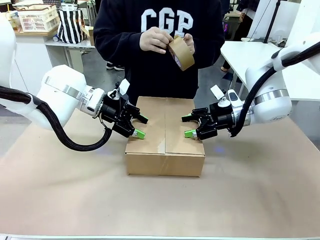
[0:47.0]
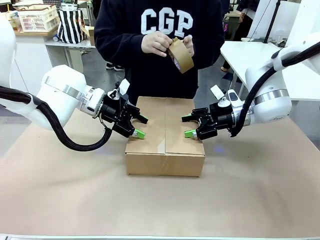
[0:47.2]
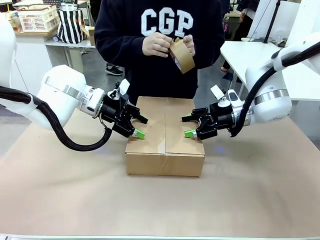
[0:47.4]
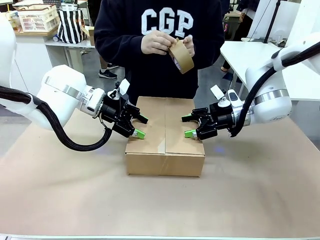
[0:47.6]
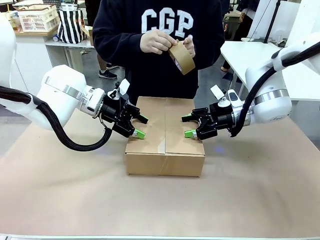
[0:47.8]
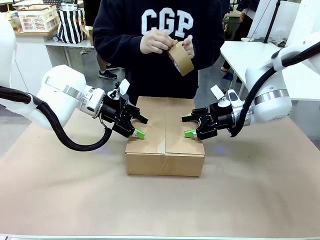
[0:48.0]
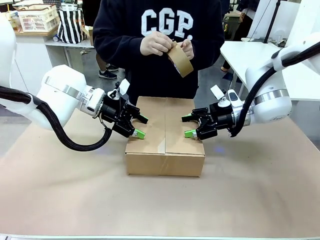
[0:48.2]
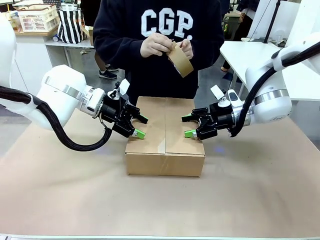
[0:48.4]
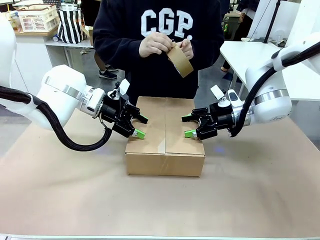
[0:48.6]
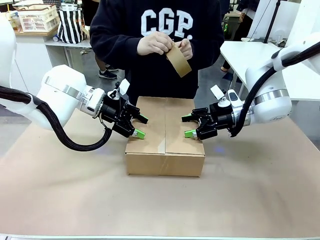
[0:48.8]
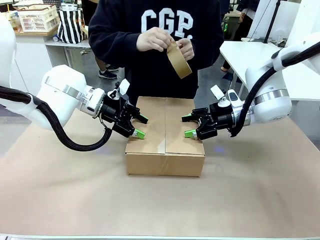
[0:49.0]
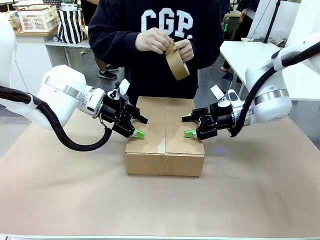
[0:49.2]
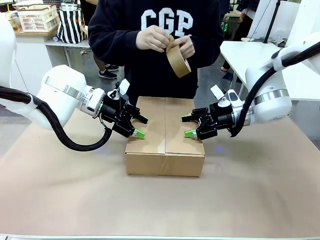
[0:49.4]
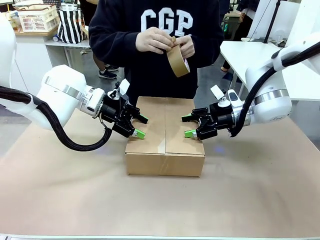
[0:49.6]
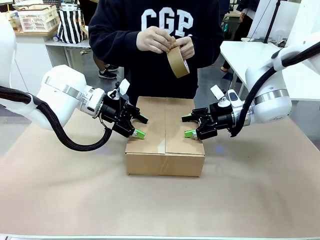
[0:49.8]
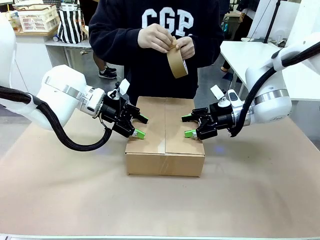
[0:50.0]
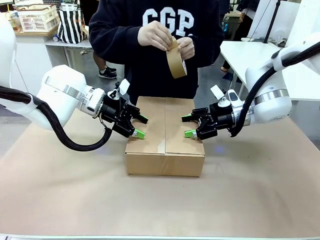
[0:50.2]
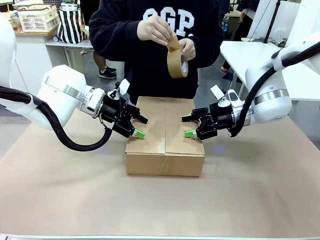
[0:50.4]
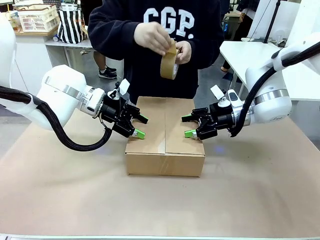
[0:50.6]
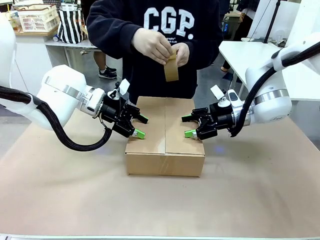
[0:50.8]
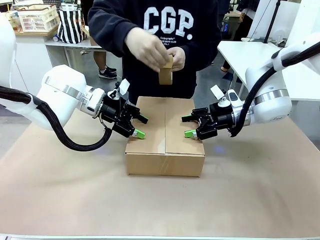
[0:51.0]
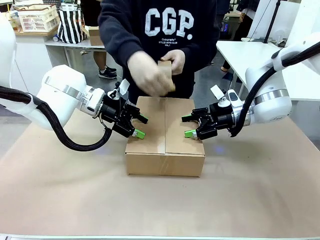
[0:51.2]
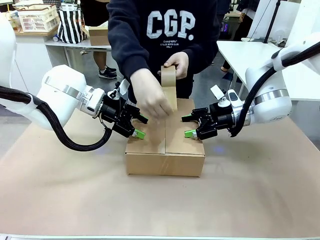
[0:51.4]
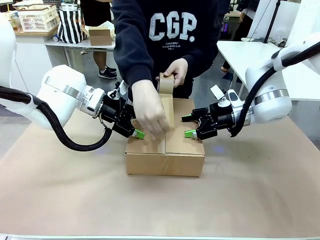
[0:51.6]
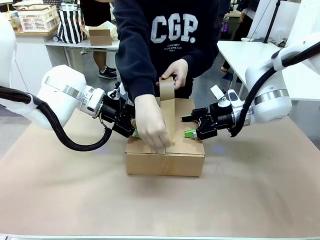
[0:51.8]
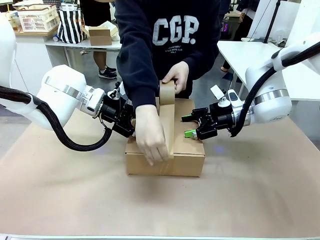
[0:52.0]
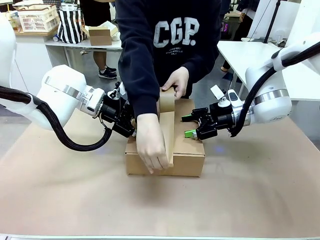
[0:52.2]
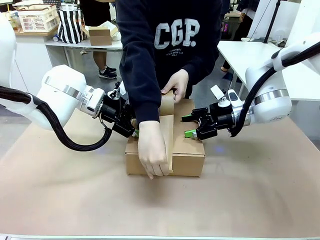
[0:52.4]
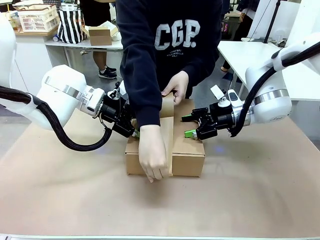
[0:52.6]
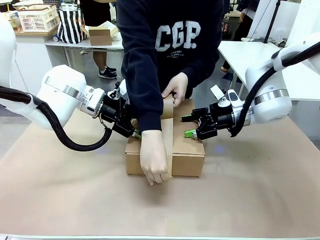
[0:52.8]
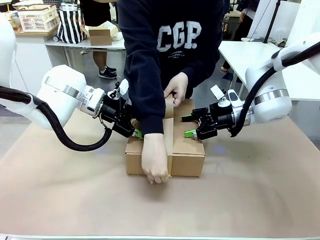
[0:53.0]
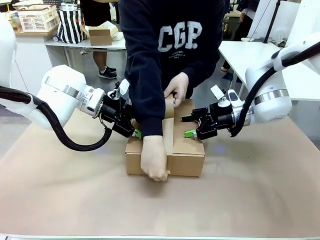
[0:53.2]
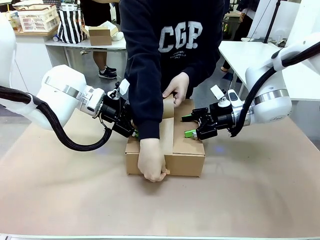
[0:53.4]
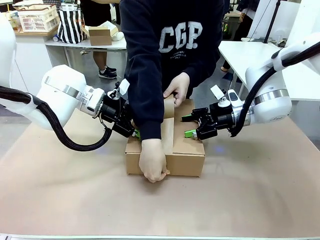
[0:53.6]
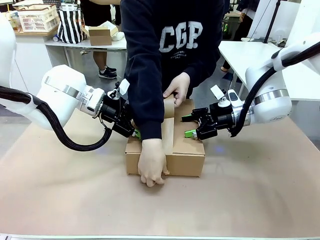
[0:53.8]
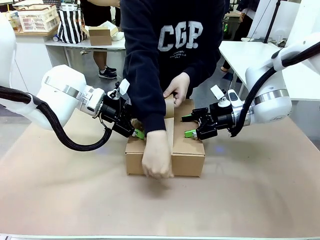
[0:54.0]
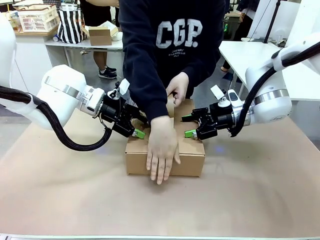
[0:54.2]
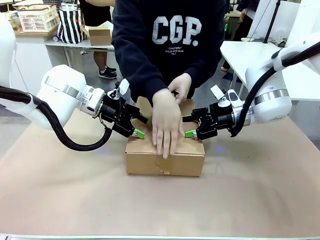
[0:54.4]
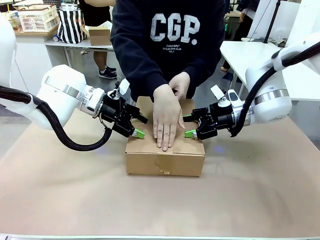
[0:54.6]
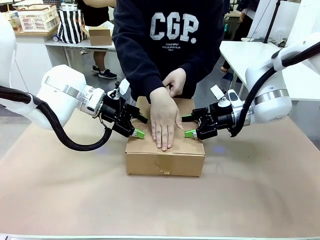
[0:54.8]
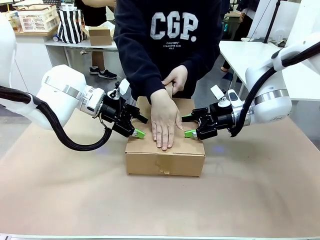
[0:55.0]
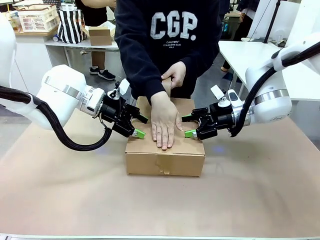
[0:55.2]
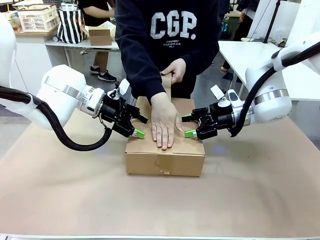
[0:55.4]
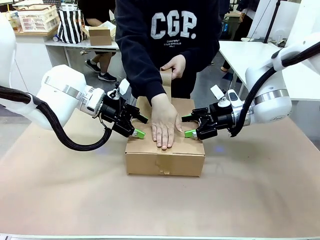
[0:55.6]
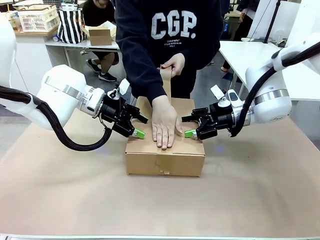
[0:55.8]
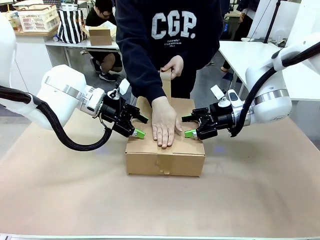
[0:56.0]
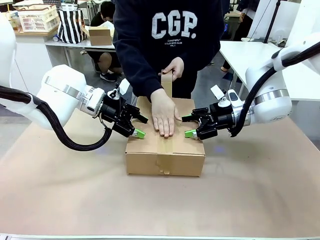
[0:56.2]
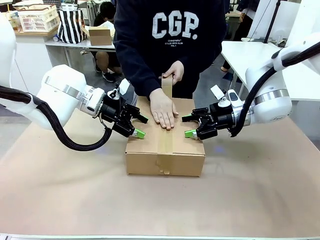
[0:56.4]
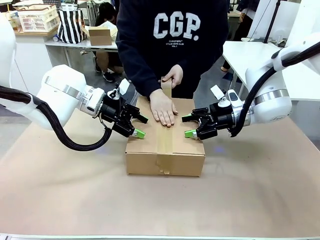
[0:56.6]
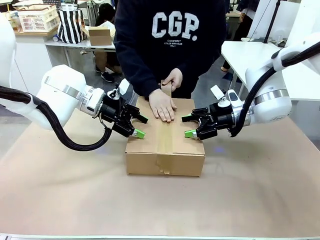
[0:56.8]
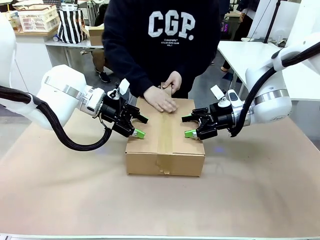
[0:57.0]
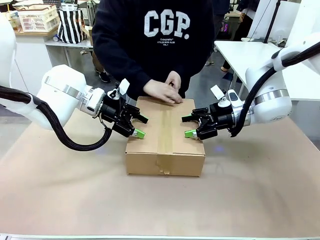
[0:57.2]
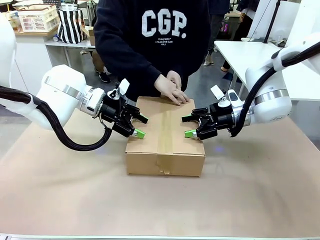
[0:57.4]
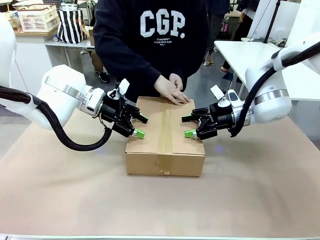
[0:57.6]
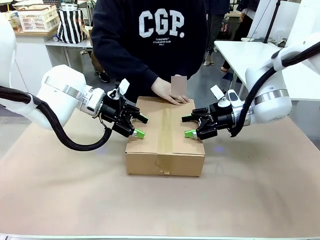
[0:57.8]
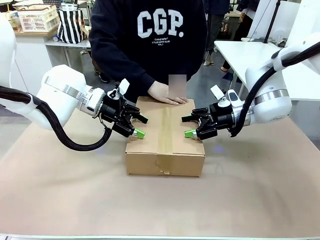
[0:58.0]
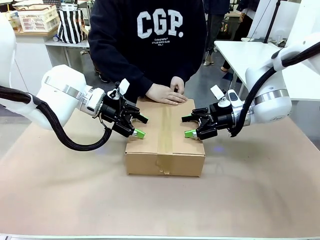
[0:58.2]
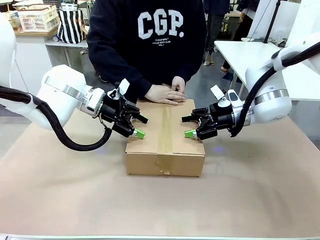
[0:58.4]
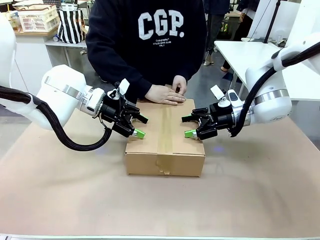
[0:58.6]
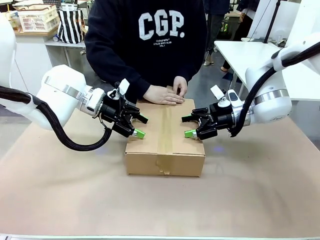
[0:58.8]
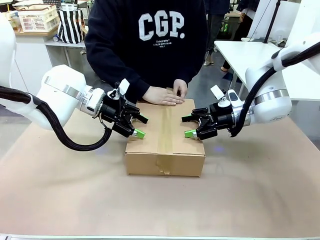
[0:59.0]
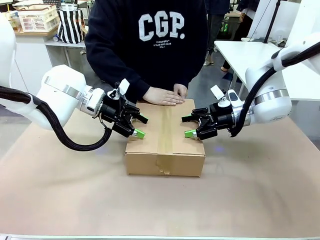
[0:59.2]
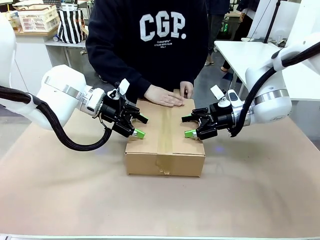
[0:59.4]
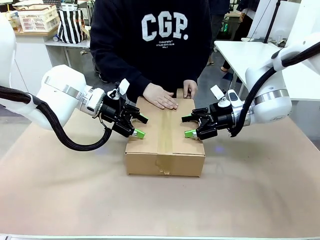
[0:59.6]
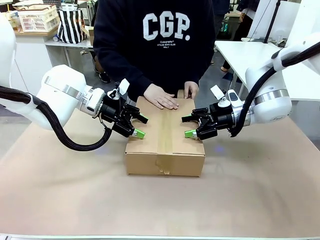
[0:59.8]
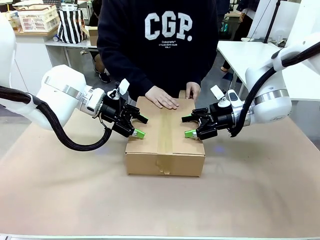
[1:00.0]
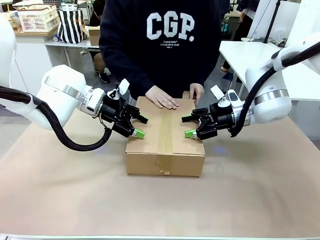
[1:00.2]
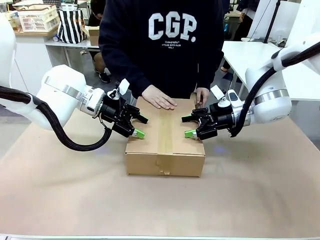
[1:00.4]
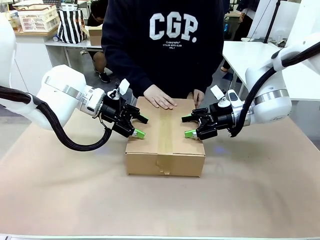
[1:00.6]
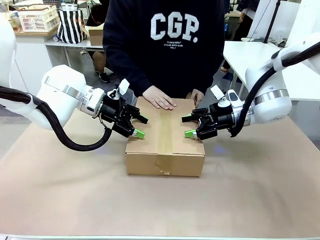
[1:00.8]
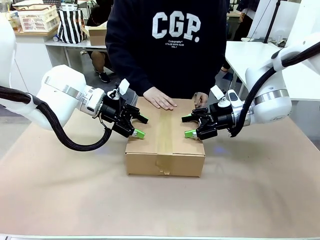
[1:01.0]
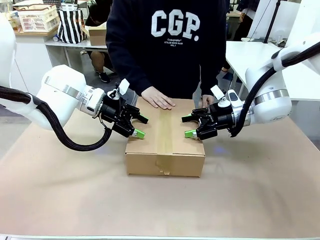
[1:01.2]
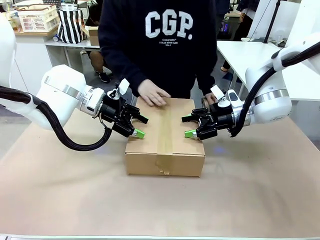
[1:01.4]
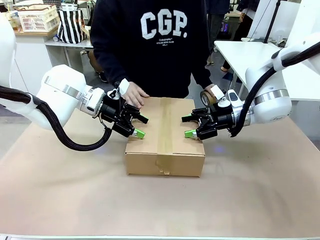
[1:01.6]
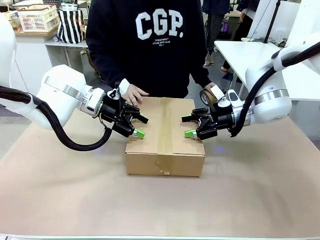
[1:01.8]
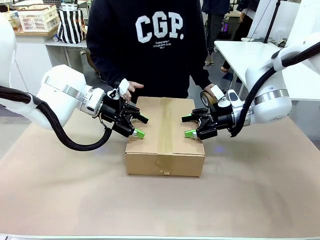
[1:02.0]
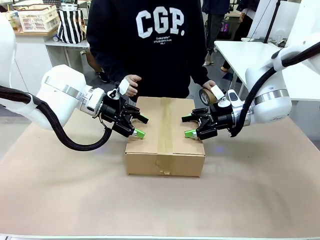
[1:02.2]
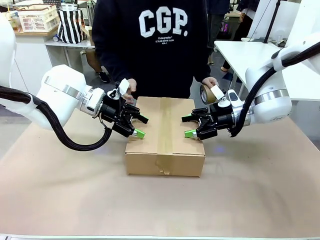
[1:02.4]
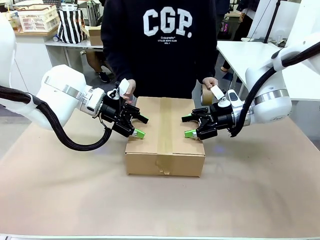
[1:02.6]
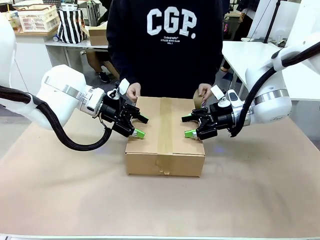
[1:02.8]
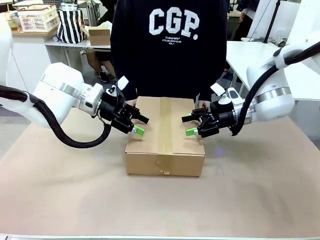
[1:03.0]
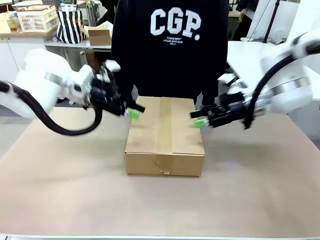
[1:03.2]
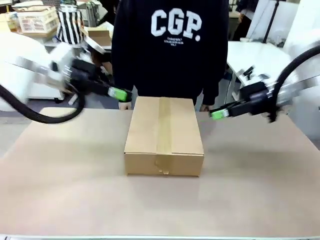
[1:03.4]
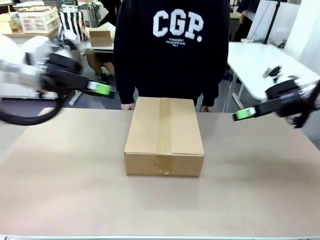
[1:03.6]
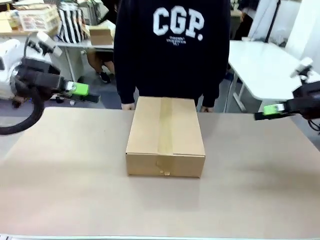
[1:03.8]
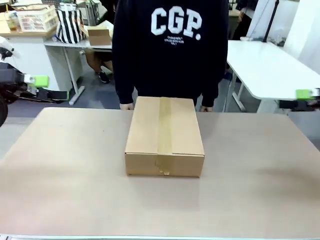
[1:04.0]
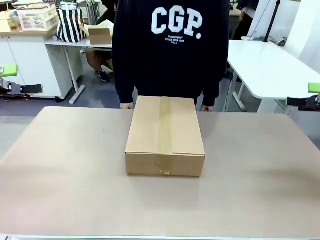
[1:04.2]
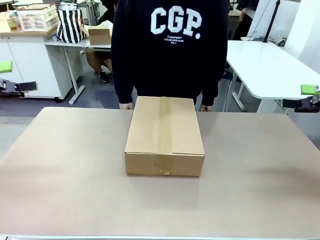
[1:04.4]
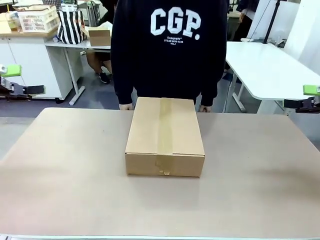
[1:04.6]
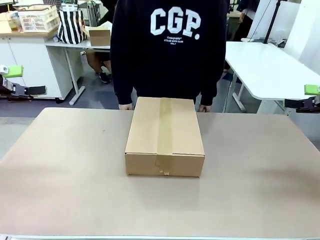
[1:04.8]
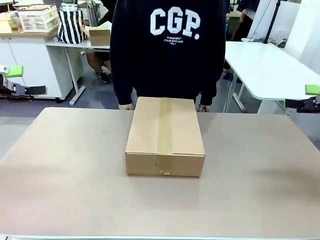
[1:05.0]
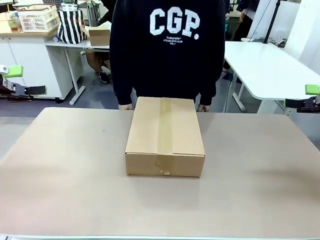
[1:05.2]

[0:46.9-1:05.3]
Task: Pack the gift set into the box.
Robot: Press and hold the closed box until the human finishes sealing it.
Person: The human picks up the paper tape from the human table and packs the box.

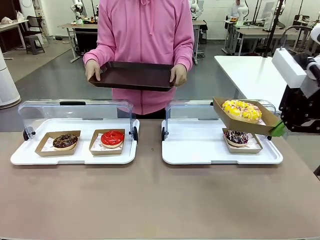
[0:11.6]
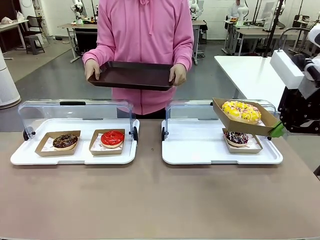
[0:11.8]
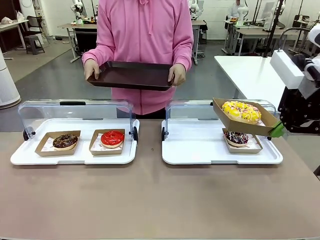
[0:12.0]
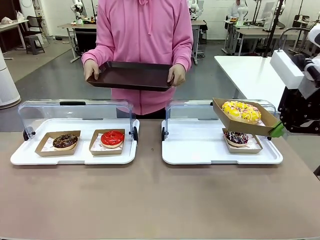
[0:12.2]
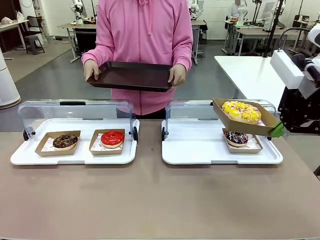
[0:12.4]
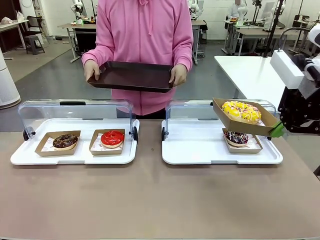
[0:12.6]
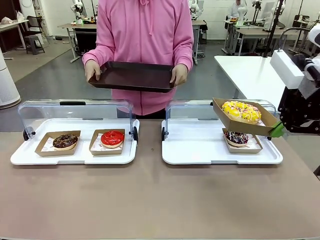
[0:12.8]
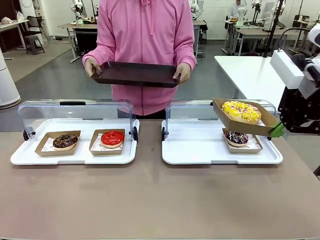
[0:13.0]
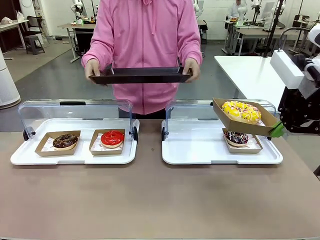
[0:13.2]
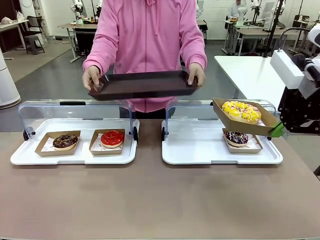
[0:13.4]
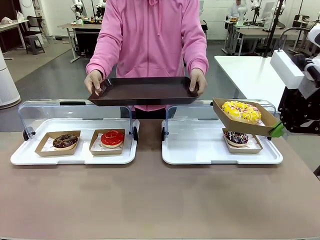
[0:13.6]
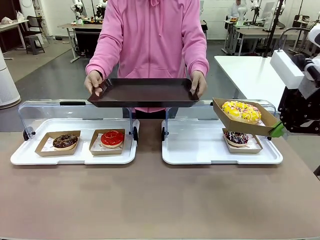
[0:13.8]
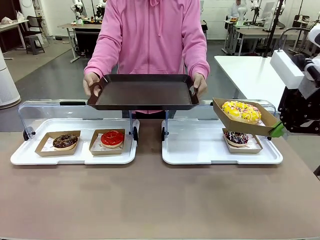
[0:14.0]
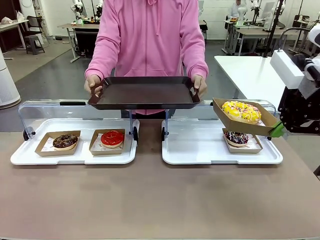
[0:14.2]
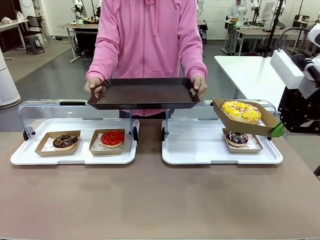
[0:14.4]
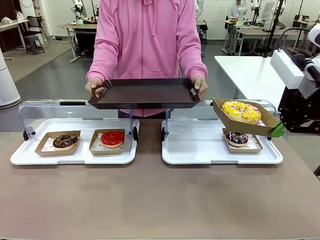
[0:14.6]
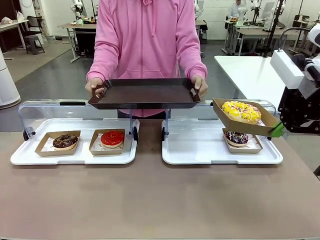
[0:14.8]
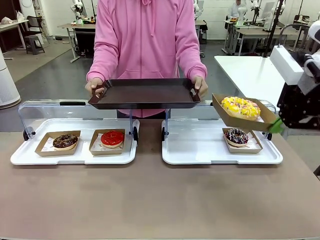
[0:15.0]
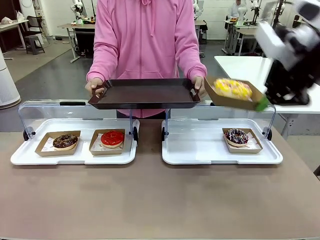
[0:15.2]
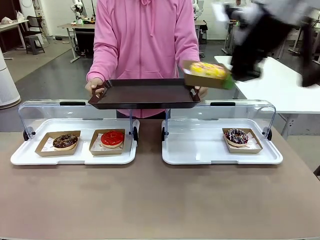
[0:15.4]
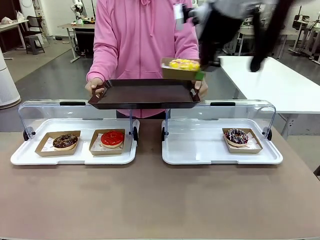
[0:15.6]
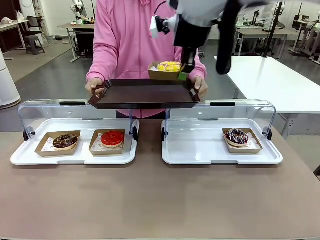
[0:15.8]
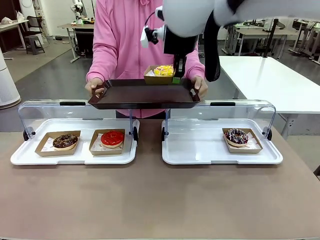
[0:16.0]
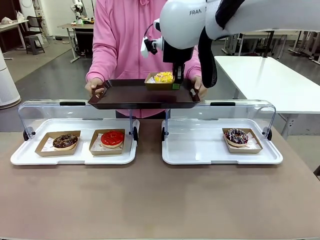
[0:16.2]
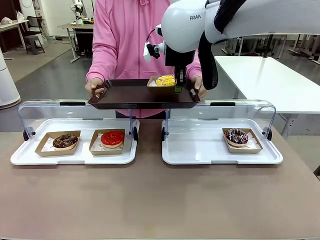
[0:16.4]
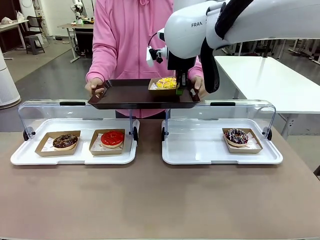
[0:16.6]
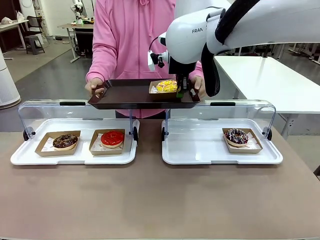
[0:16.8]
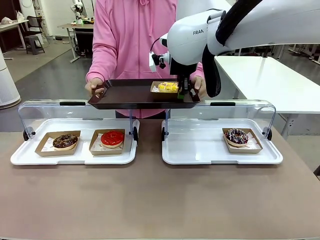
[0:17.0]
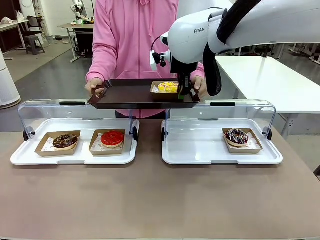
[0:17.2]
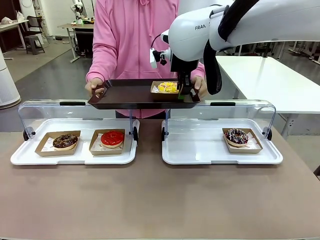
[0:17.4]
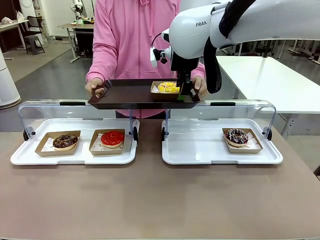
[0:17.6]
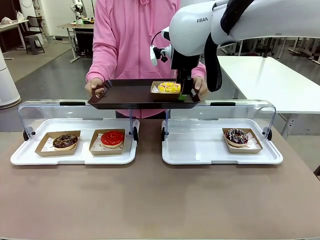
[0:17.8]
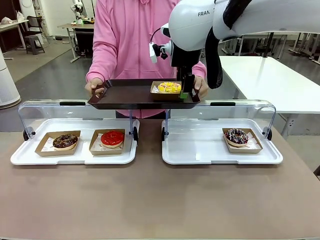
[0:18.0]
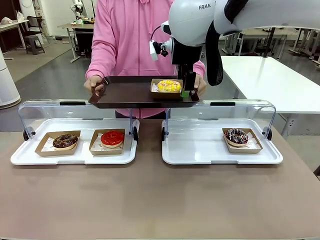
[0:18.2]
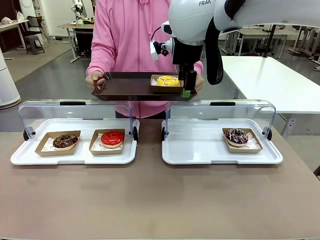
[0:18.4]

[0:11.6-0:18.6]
Task: Provide the desired donut to the person.
Robot: Place the picked Paper togo box onto the Handle tray extended by the person.
Person: Point to one donut.
